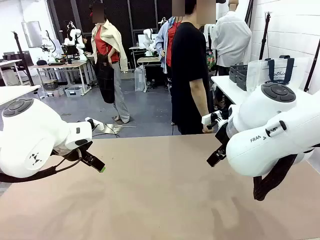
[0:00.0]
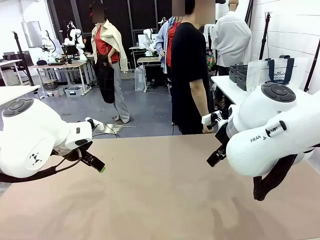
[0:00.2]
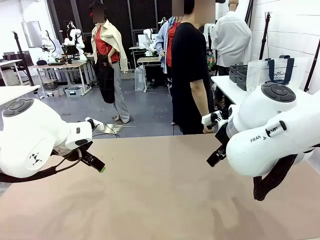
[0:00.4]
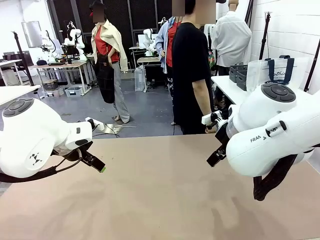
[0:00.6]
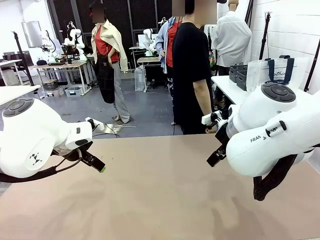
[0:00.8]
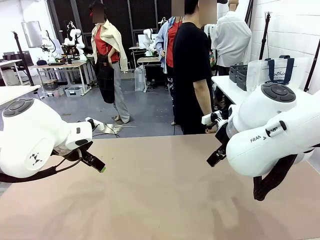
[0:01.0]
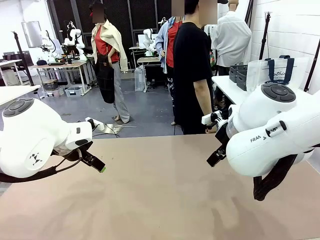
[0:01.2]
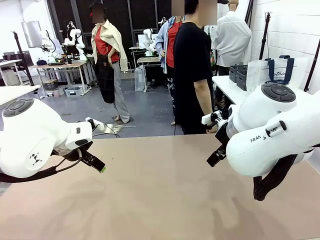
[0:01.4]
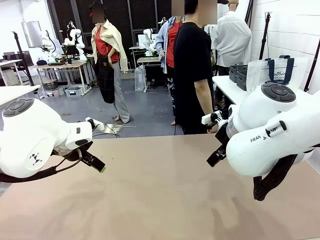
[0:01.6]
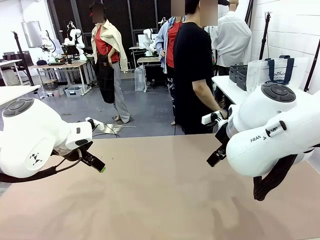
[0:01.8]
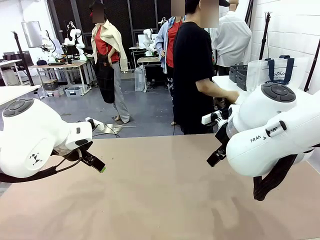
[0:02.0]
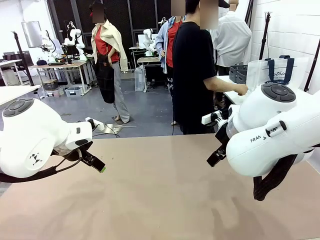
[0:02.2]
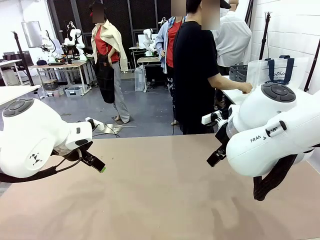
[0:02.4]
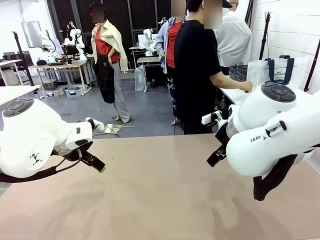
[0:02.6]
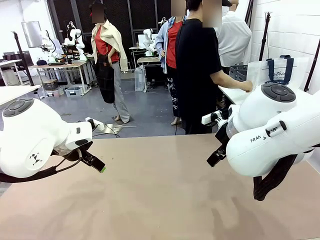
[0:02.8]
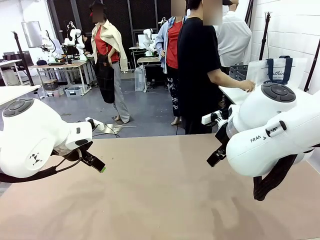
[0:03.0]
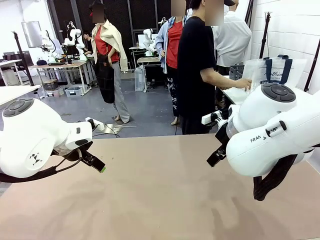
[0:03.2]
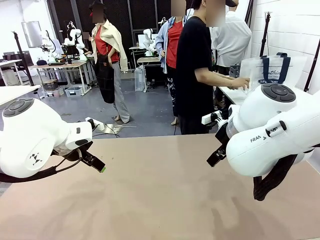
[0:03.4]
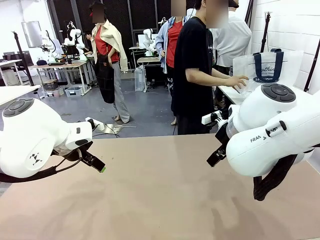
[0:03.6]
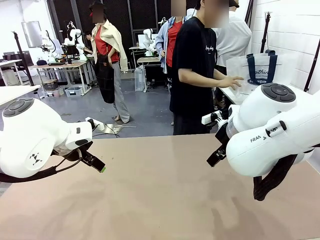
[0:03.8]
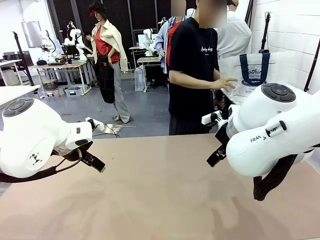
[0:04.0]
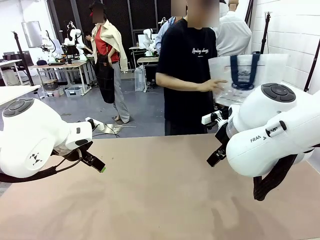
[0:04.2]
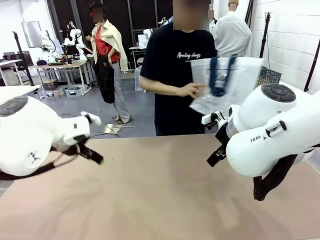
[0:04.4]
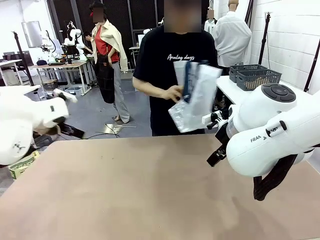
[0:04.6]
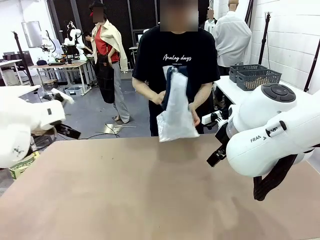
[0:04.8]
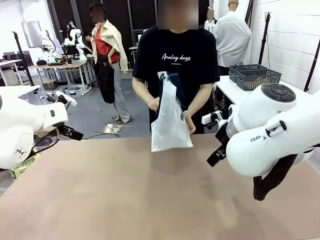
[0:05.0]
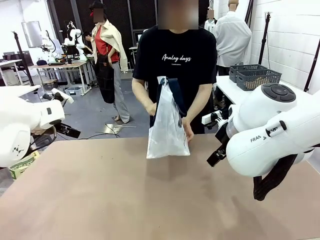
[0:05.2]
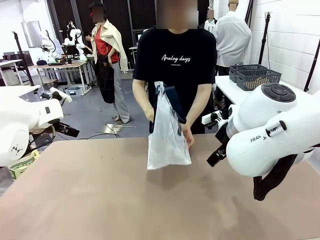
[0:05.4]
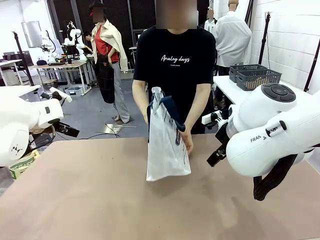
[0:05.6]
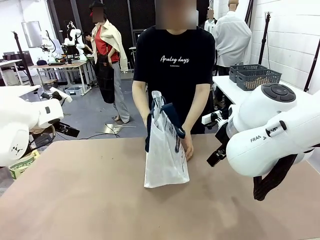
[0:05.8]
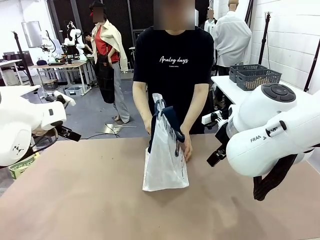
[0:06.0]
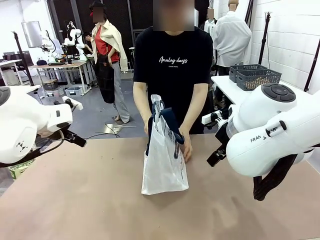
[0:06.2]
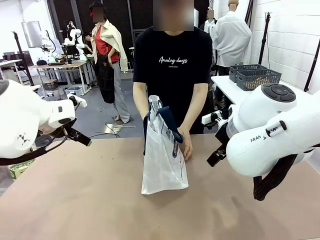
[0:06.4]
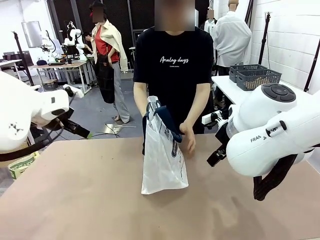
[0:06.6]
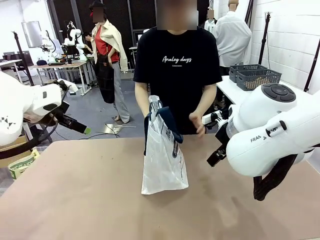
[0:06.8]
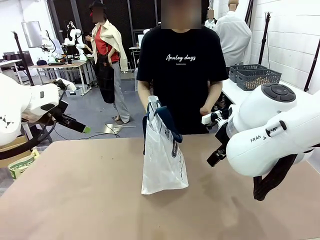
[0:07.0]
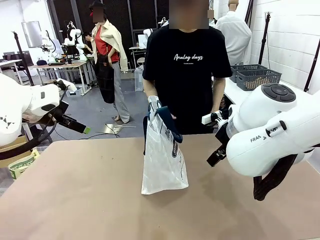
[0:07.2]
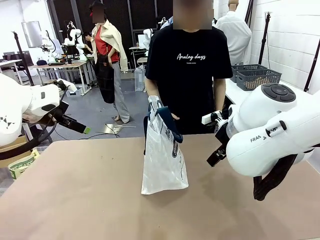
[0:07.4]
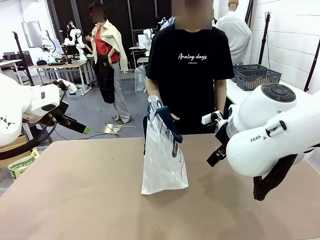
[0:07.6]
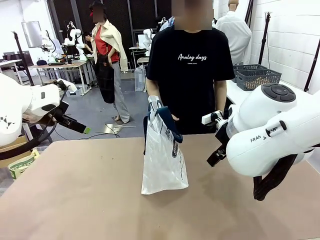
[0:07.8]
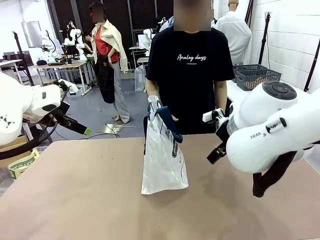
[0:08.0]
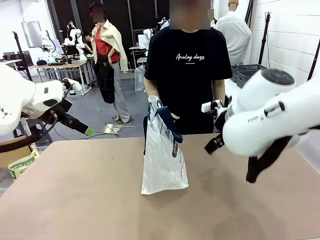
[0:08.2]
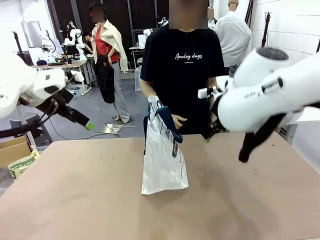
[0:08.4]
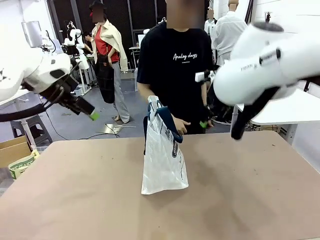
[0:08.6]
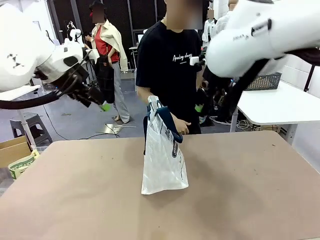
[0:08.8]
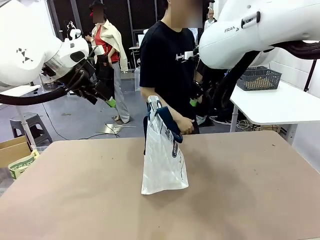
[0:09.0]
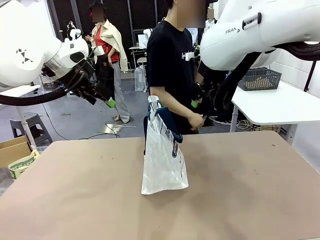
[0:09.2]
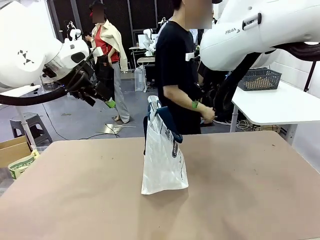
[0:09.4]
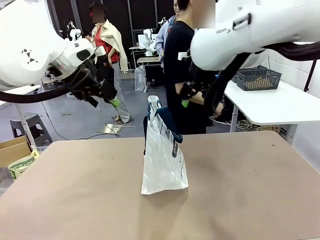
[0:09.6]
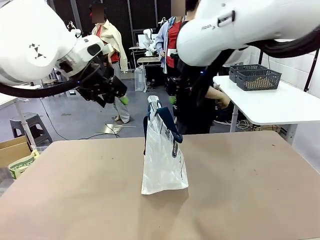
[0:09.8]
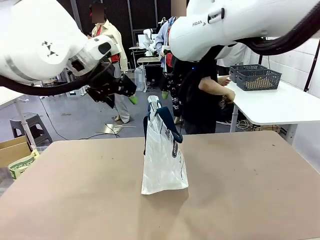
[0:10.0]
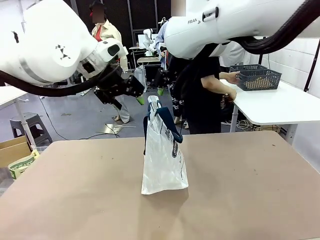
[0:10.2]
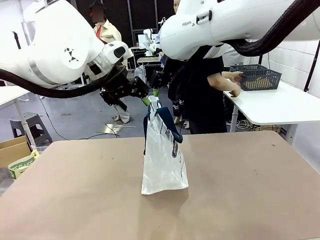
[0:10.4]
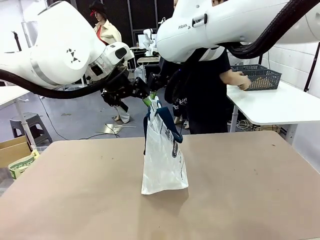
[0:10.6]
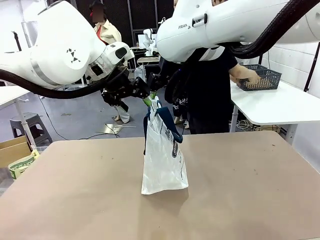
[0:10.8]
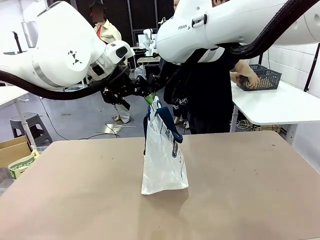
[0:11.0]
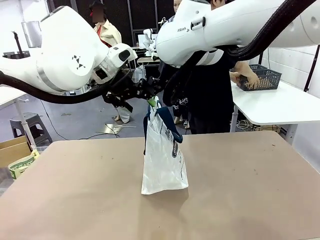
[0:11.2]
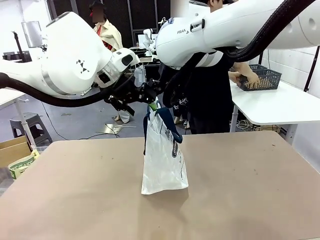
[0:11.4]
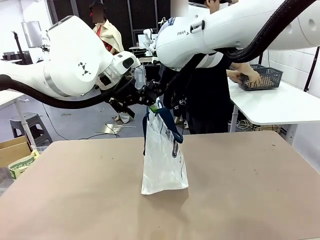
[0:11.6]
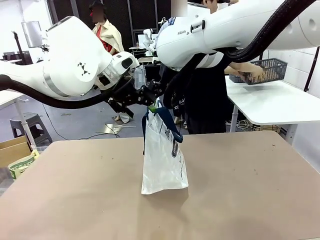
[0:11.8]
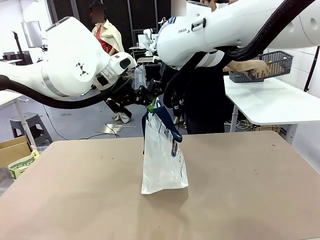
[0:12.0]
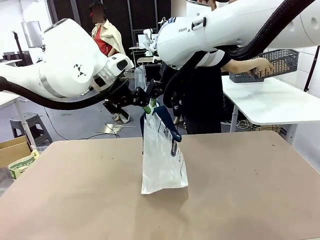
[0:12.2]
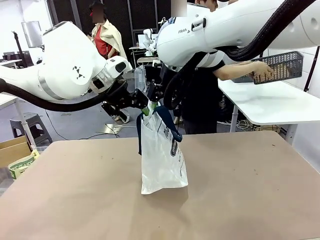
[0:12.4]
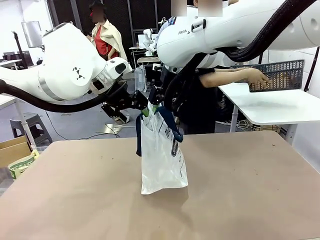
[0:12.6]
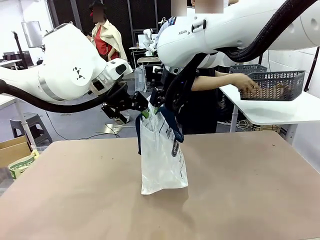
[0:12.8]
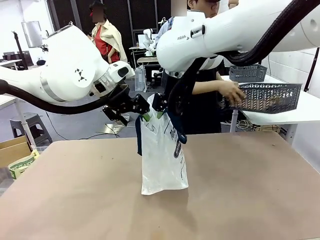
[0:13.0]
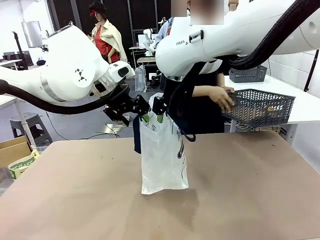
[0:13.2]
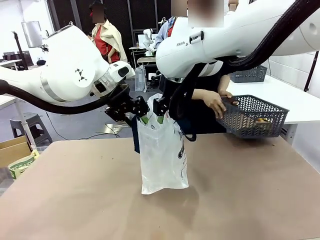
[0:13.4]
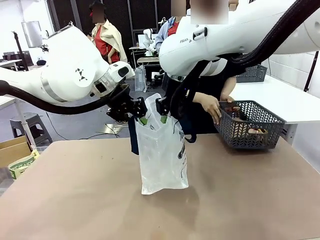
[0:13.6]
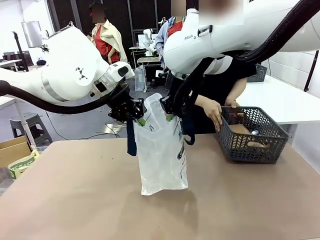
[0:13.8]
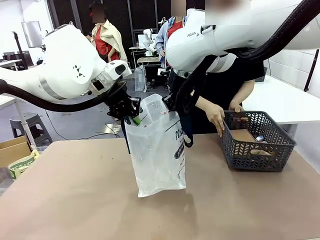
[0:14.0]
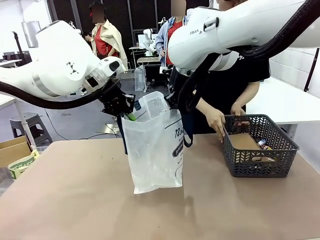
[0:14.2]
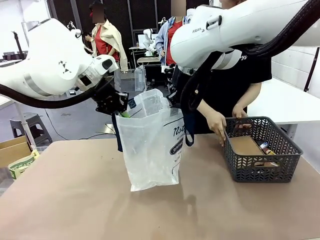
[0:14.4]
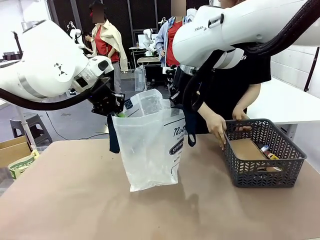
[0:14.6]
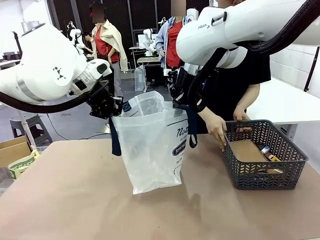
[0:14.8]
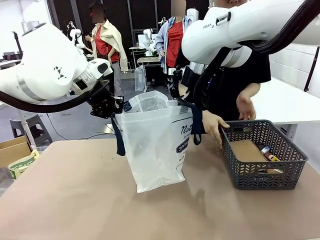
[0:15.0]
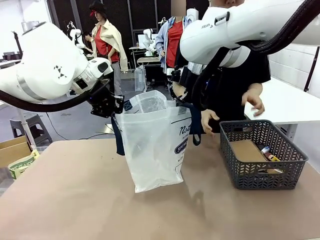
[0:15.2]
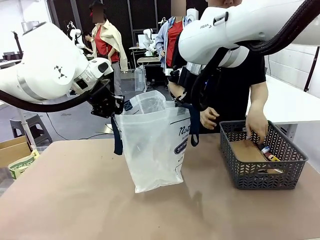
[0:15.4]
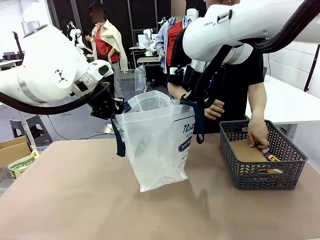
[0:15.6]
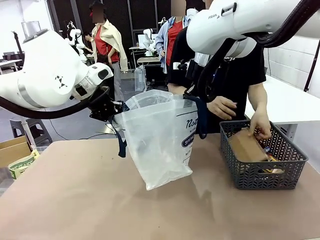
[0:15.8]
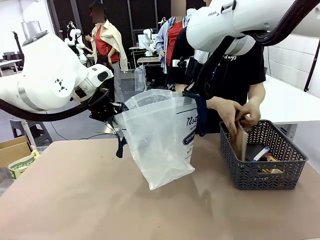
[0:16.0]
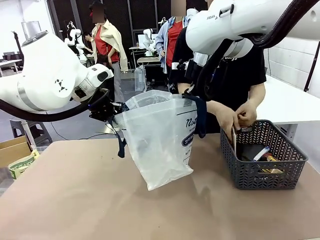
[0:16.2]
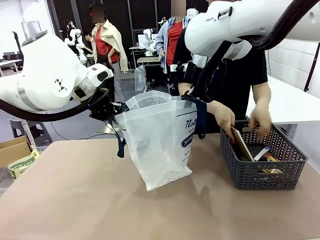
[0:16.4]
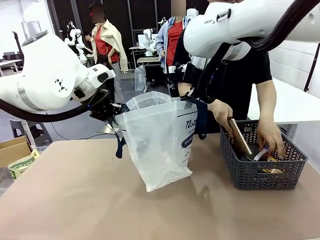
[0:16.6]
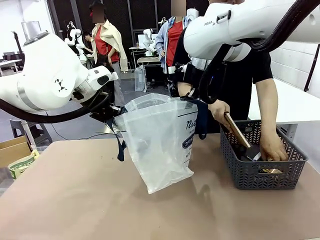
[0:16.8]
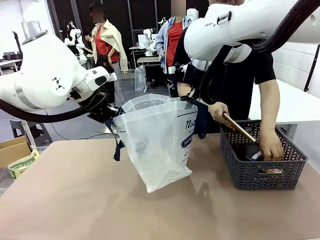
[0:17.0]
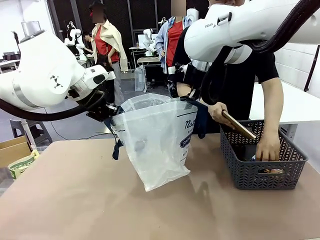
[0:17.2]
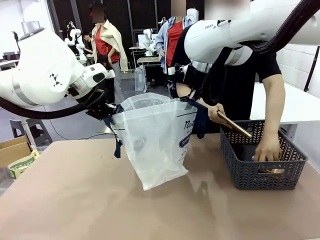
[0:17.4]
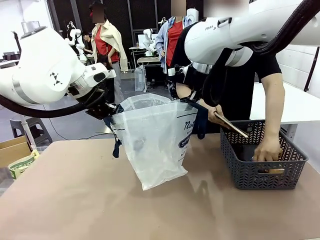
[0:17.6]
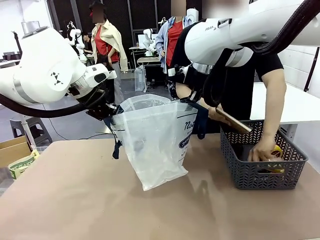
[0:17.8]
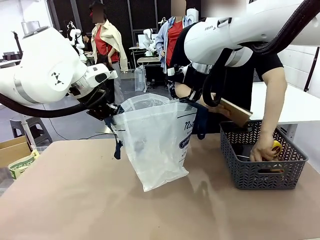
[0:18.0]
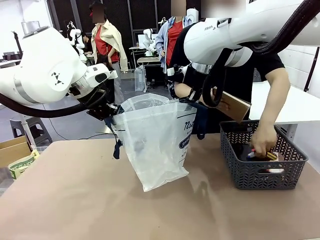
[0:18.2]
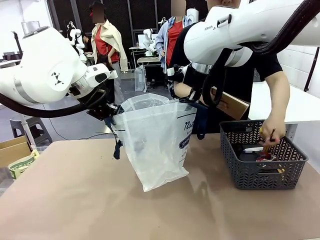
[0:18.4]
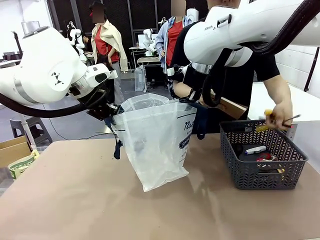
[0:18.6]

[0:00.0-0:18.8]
Task: Transfer purchased items from the store into the shopping bag.
Robot: Open the Reusable shopping bag in the center of the table.
Person: Pick up the shopping bag and place it in the middle of the robot table.
